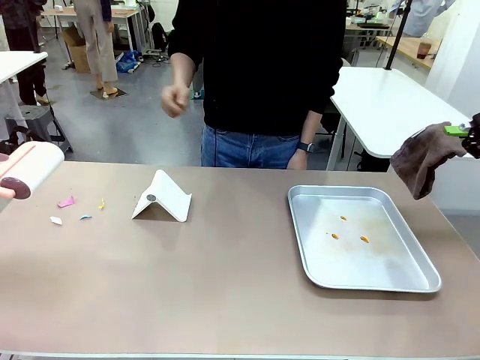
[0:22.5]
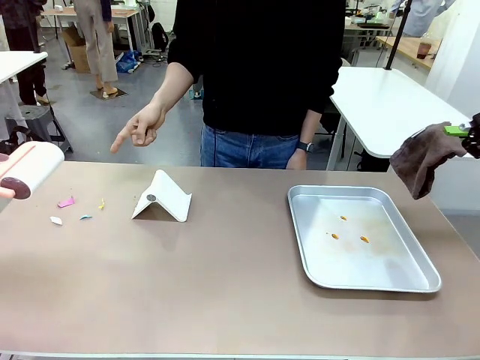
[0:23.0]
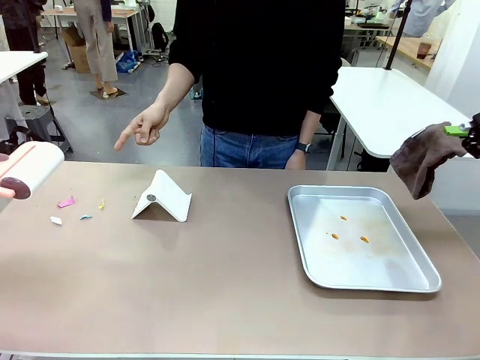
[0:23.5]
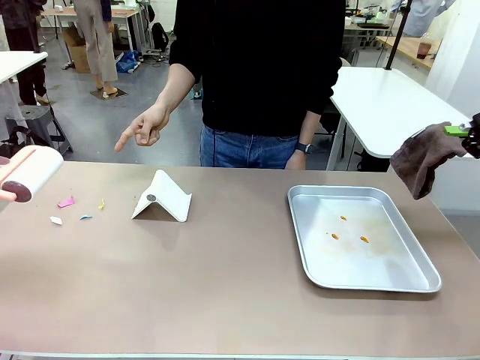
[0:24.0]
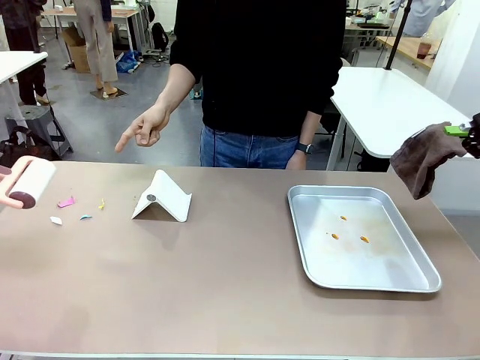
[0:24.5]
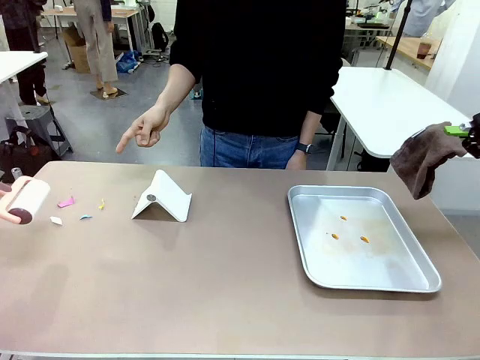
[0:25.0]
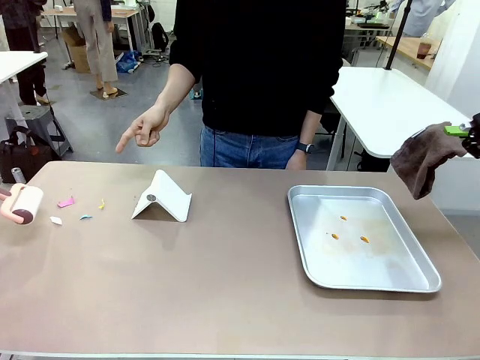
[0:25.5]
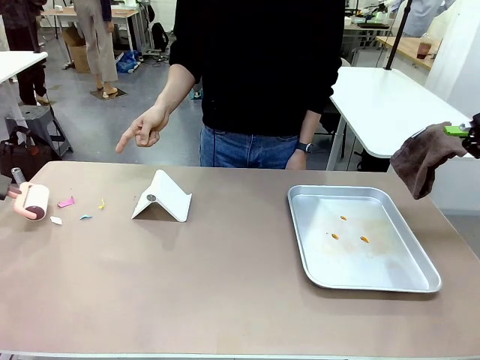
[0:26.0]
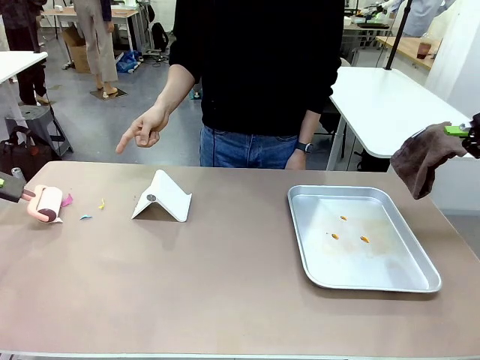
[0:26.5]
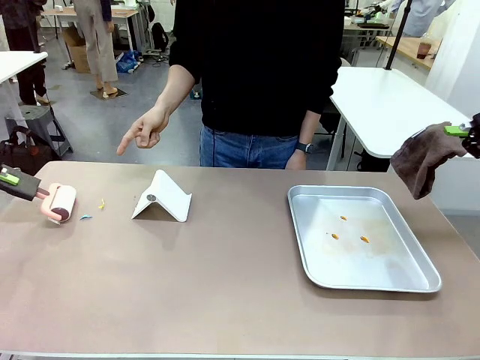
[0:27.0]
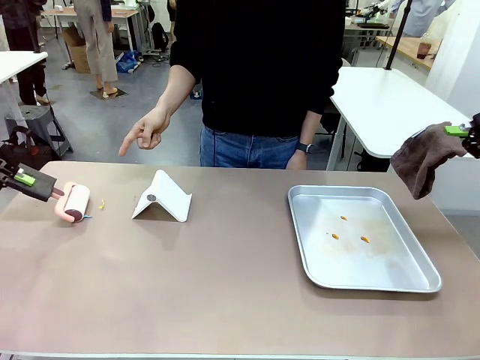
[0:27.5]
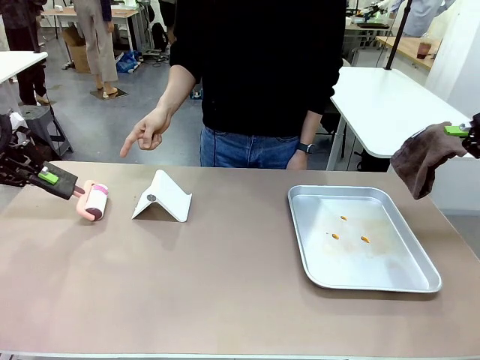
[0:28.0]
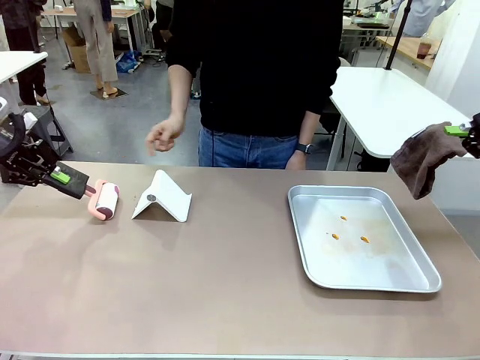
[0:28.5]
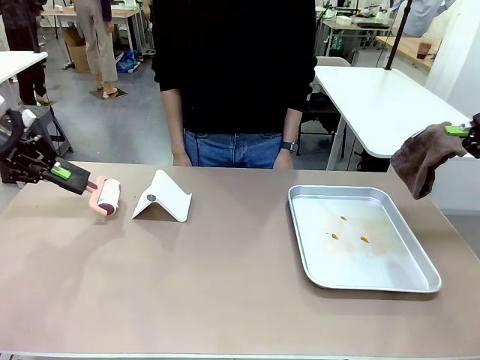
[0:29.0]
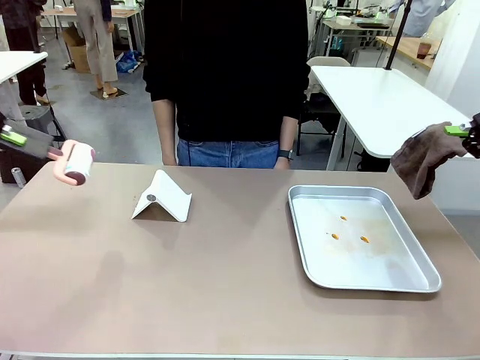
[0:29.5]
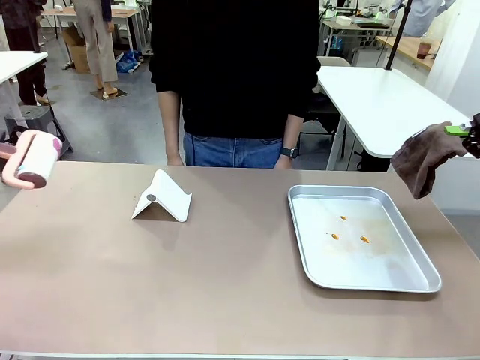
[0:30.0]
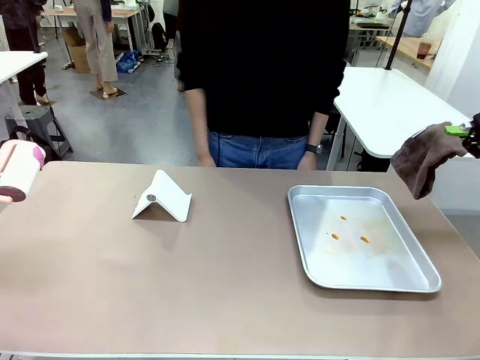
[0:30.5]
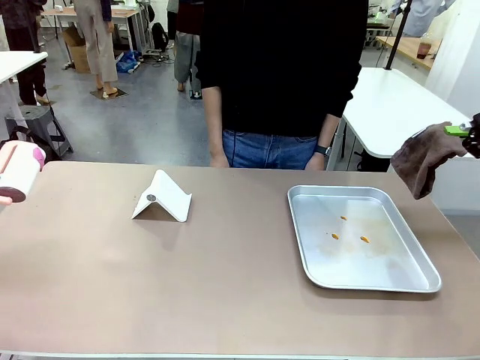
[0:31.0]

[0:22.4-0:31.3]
Task: Clean the surface of the table.
Robot: If a person points to the right, clean the right side of the table with your right hand, and if they point to the left, clean the left side with your left hand.

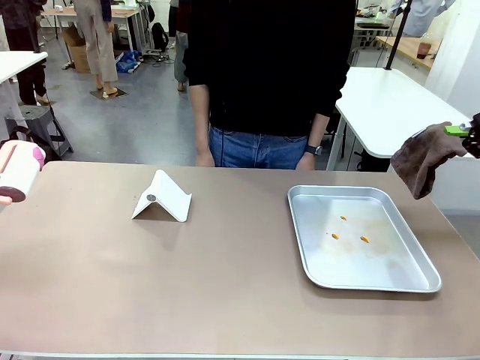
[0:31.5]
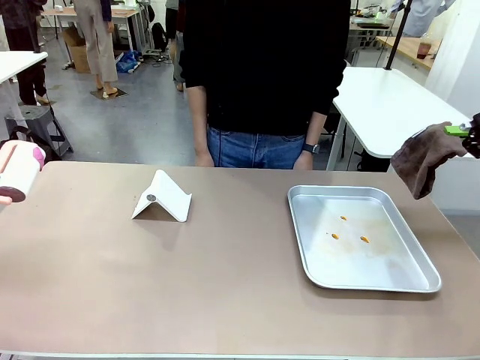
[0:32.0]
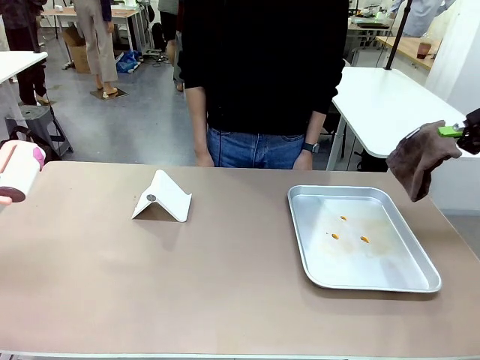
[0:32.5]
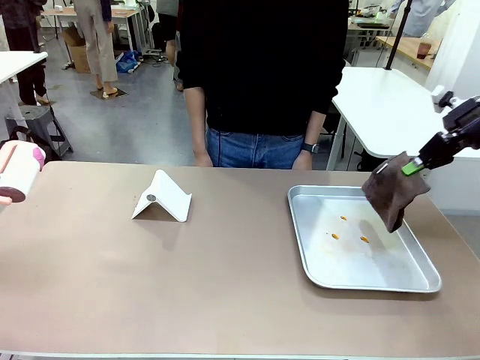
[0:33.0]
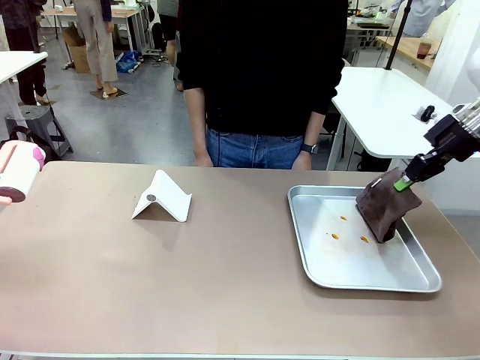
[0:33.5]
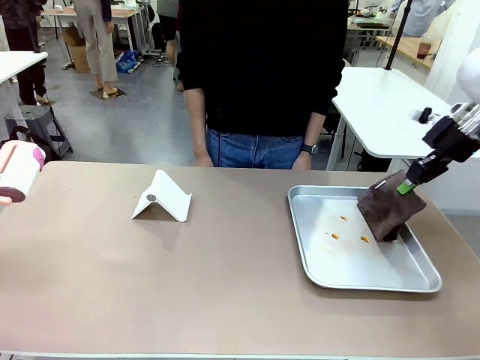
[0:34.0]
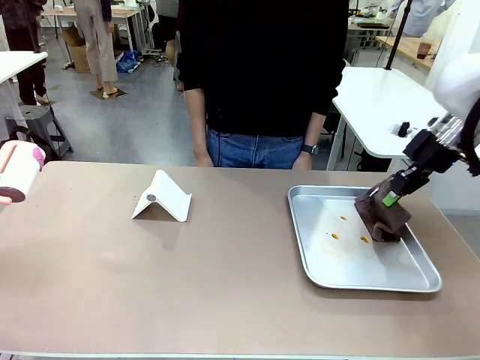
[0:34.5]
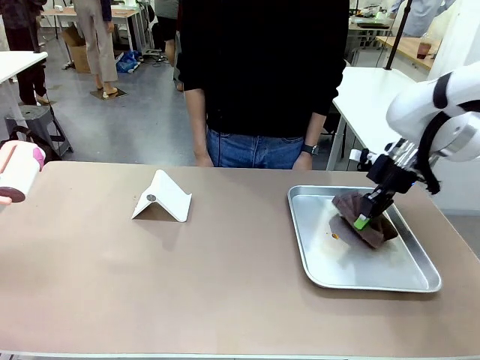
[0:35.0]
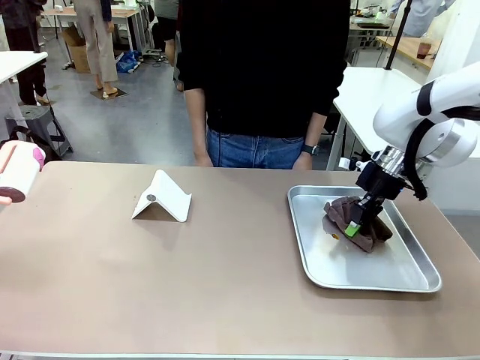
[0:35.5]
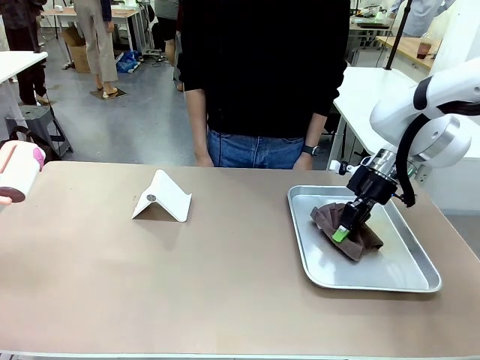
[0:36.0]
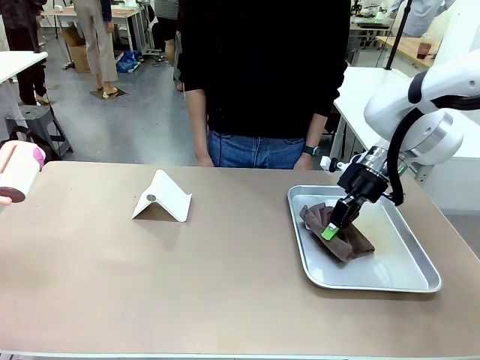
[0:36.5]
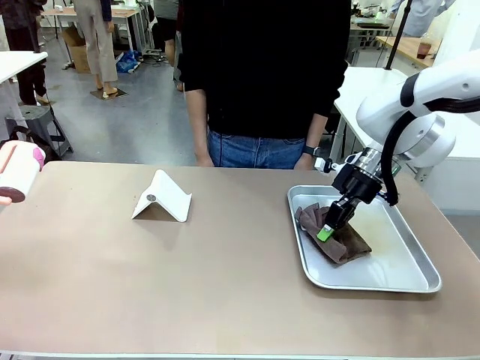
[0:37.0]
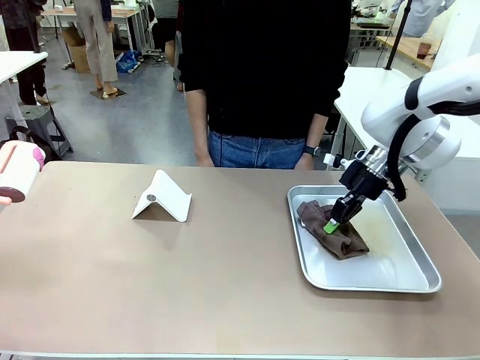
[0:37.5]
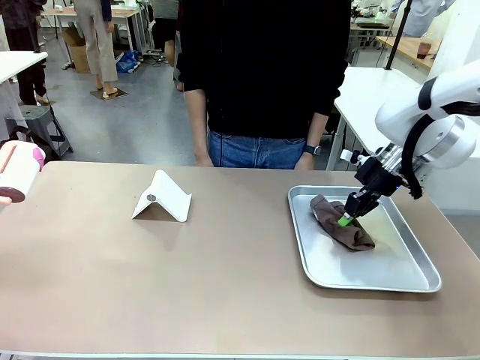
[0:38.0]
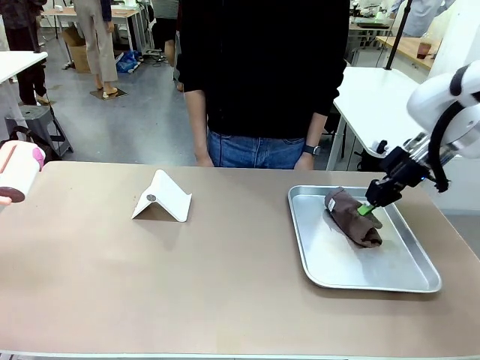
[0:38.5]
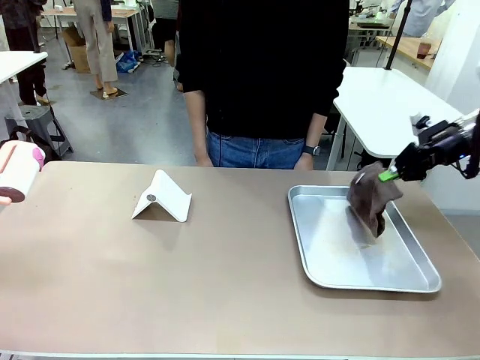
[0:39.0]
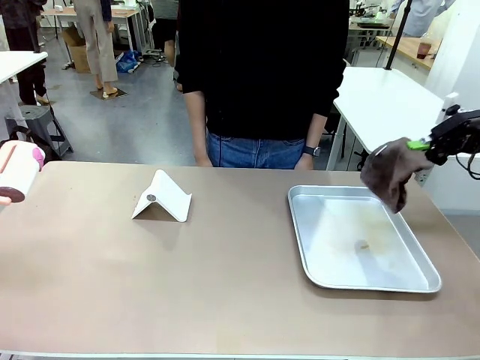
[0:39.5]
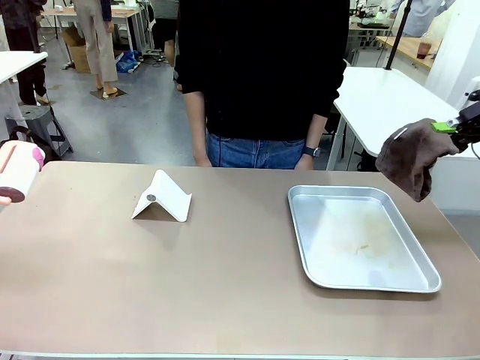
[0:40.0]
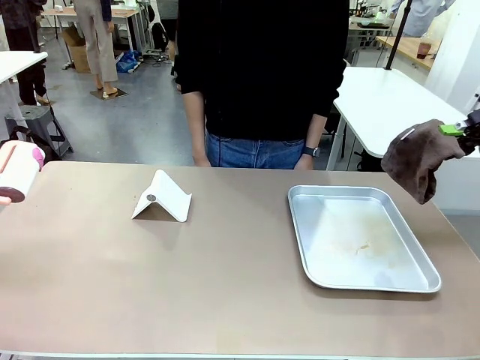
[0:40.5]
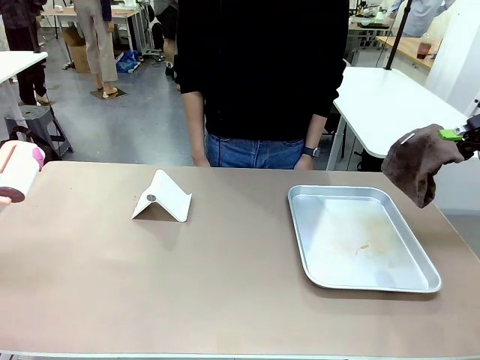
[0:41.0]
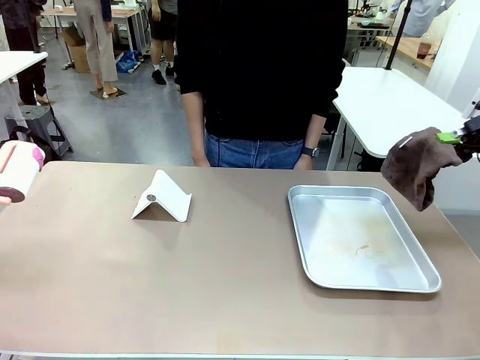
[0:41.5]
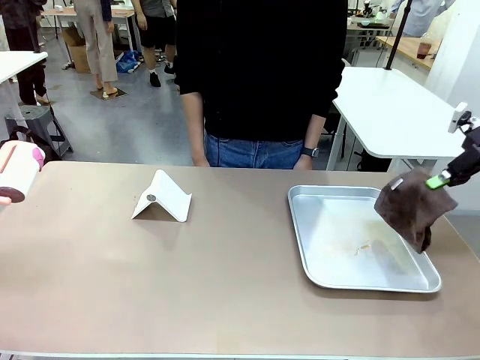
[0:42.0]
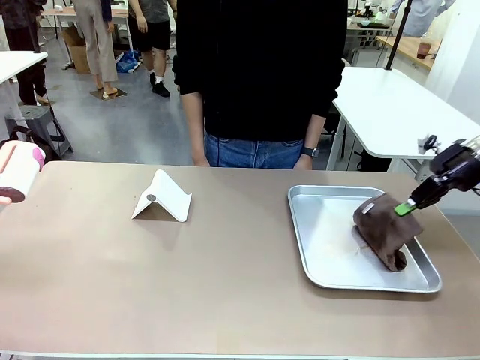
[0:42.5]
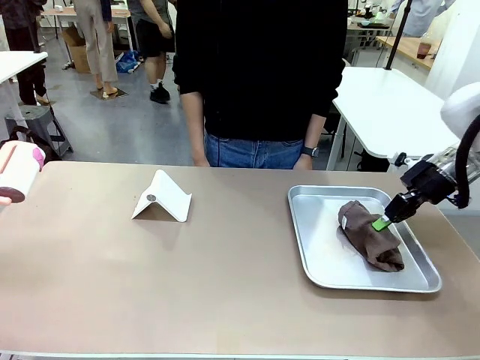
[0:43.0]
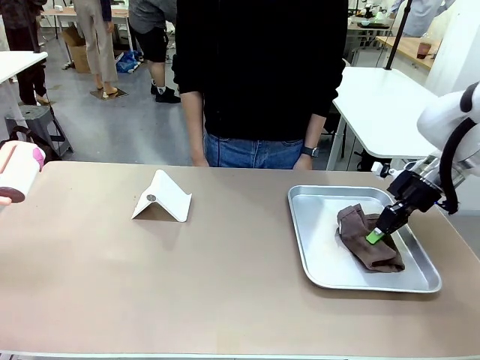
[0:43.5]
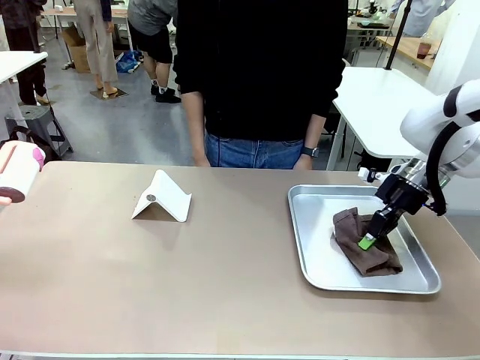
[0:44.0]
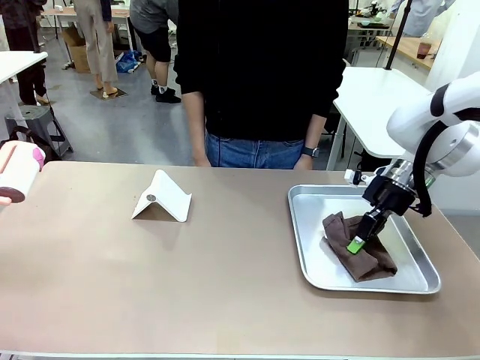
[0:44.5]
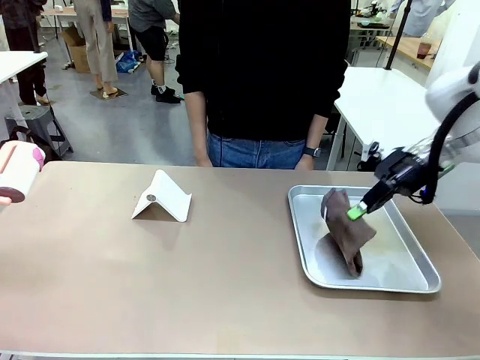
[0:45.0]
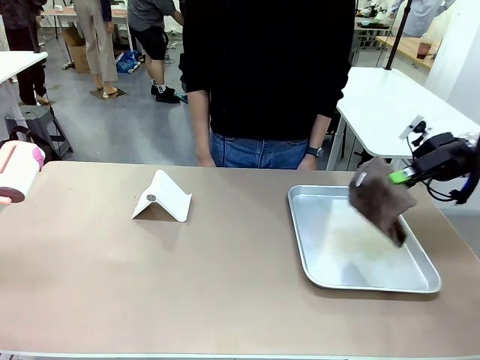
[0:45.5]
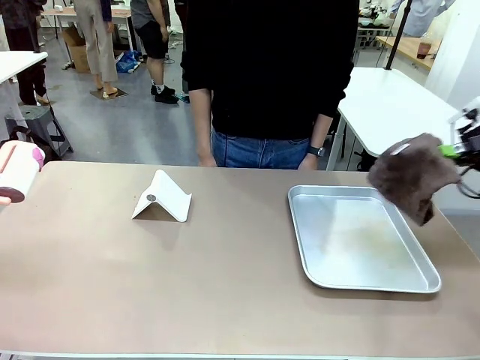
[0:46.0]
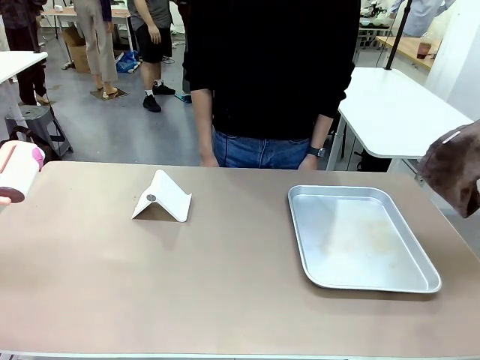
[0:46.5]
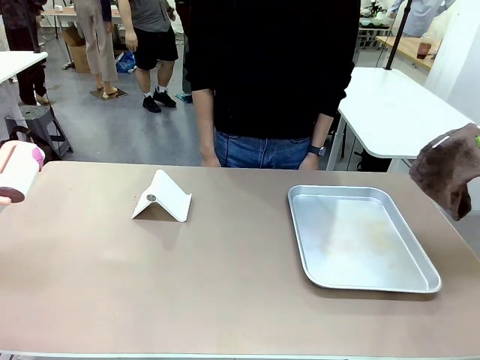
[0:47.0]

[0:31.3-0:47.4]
Robot: Clean the area not pointed to by the person.
